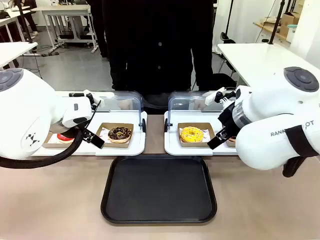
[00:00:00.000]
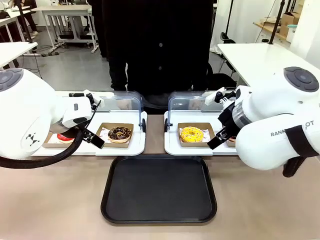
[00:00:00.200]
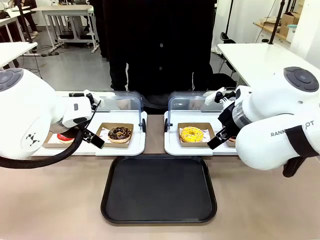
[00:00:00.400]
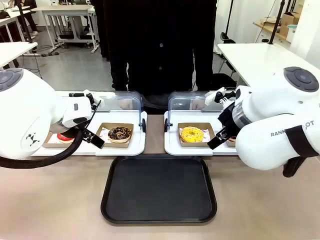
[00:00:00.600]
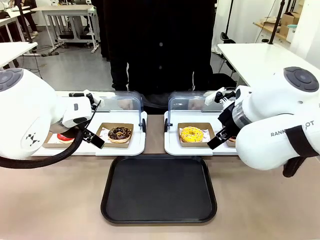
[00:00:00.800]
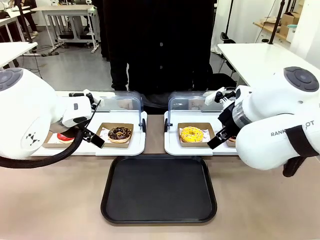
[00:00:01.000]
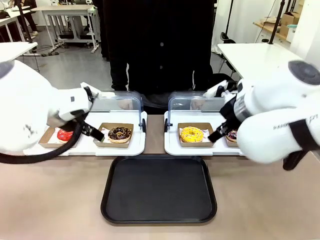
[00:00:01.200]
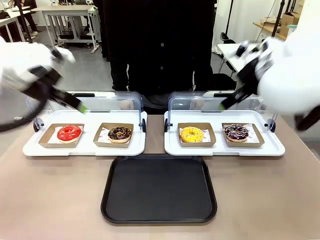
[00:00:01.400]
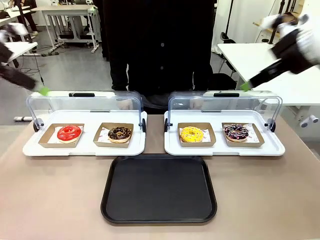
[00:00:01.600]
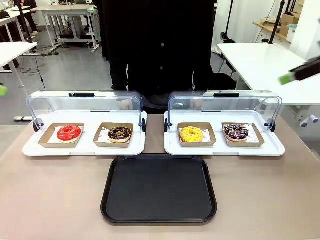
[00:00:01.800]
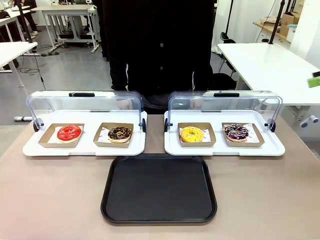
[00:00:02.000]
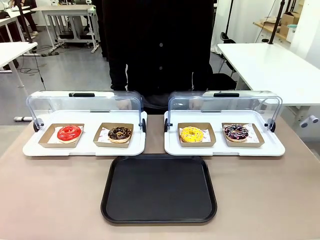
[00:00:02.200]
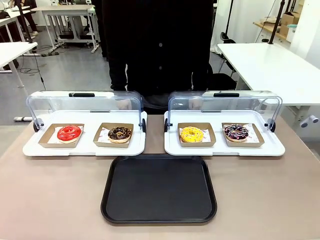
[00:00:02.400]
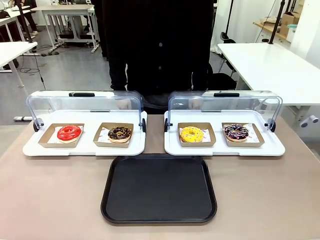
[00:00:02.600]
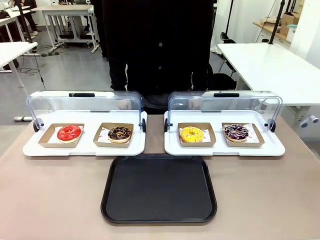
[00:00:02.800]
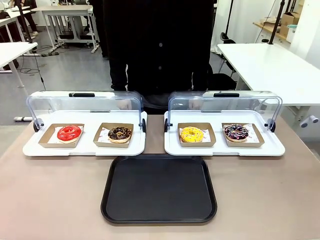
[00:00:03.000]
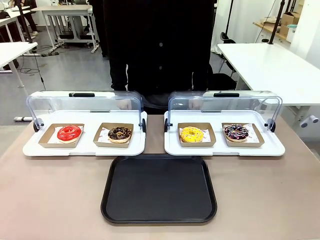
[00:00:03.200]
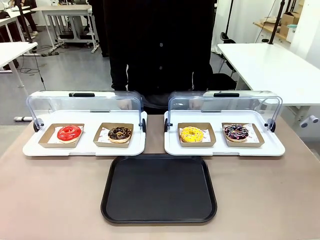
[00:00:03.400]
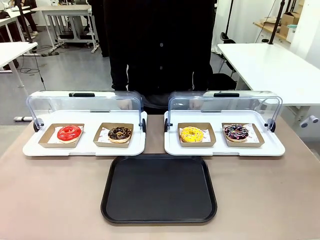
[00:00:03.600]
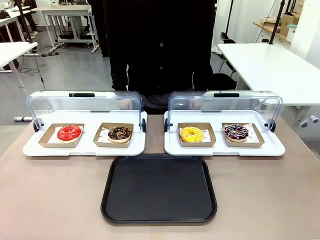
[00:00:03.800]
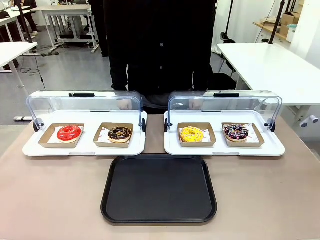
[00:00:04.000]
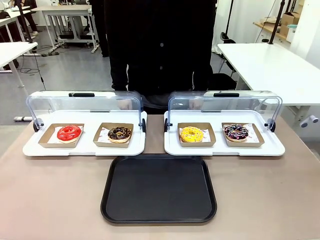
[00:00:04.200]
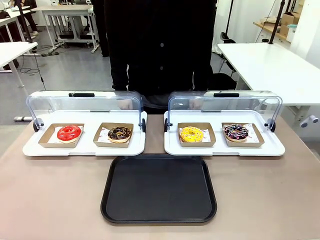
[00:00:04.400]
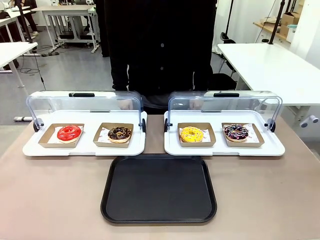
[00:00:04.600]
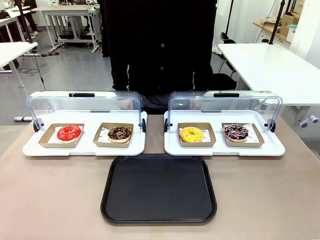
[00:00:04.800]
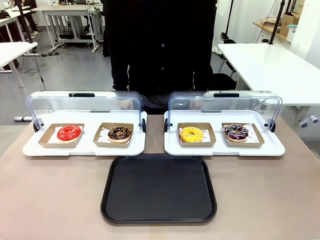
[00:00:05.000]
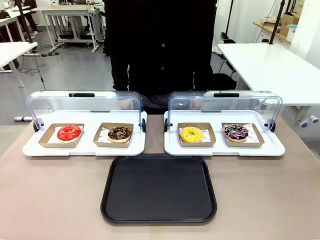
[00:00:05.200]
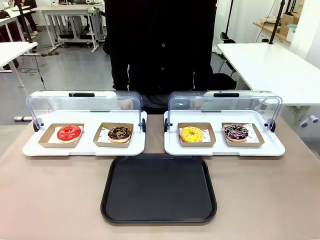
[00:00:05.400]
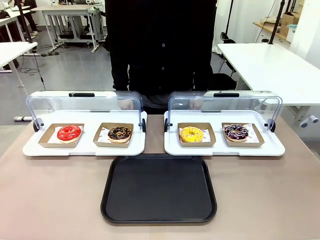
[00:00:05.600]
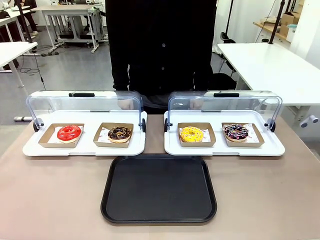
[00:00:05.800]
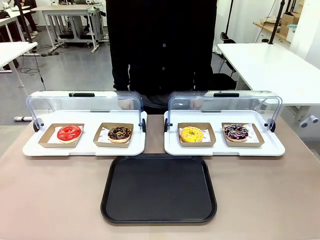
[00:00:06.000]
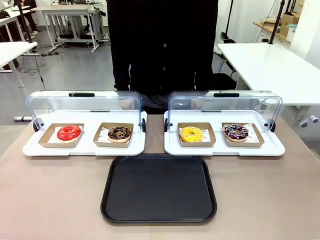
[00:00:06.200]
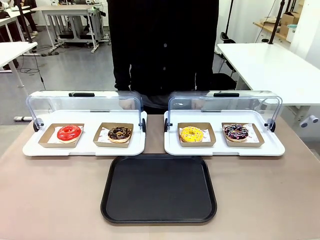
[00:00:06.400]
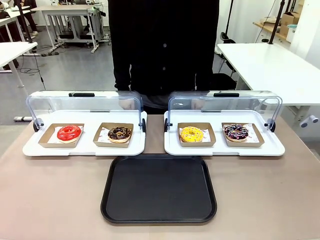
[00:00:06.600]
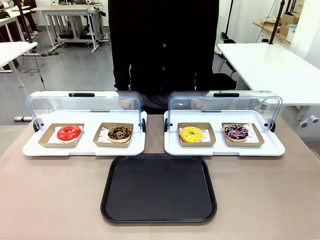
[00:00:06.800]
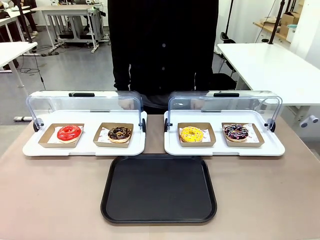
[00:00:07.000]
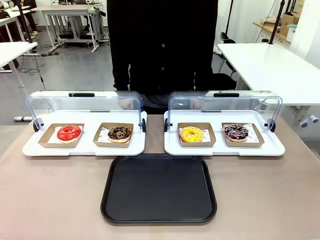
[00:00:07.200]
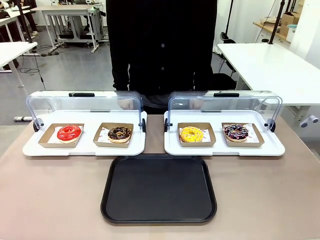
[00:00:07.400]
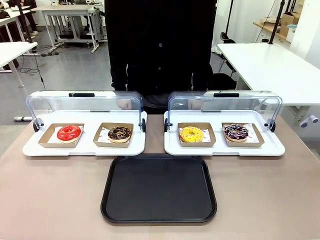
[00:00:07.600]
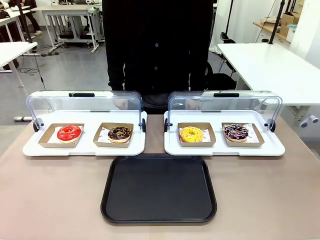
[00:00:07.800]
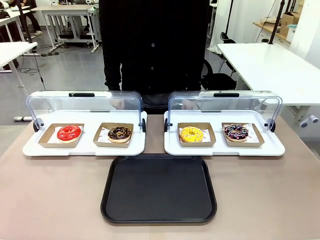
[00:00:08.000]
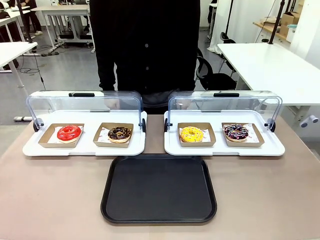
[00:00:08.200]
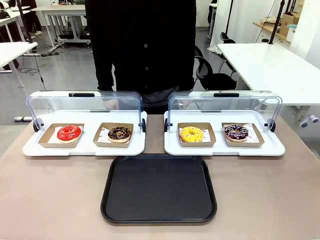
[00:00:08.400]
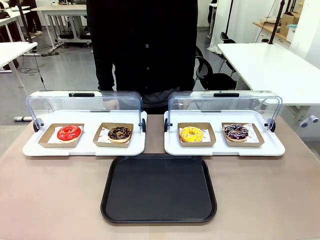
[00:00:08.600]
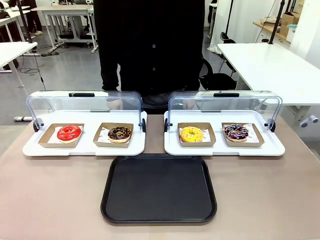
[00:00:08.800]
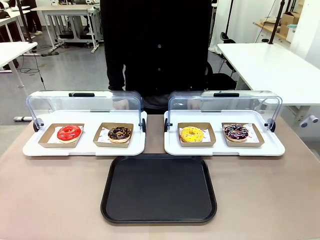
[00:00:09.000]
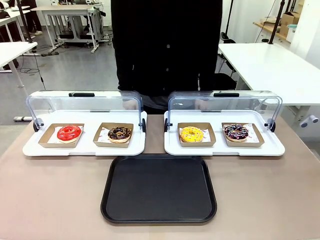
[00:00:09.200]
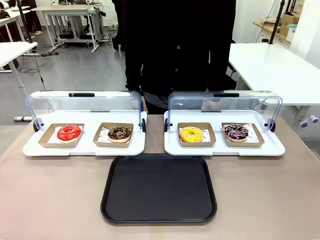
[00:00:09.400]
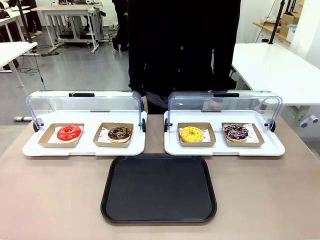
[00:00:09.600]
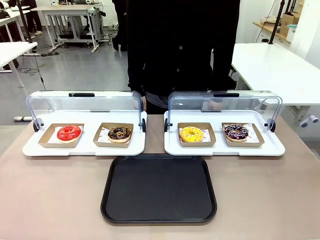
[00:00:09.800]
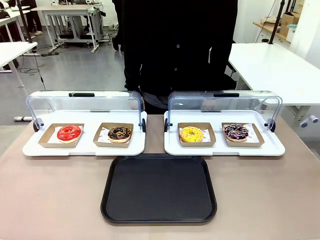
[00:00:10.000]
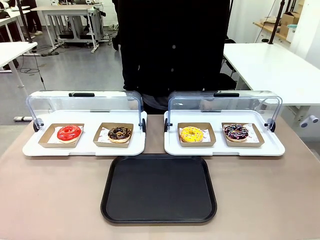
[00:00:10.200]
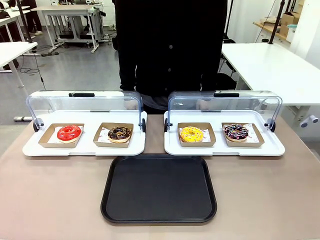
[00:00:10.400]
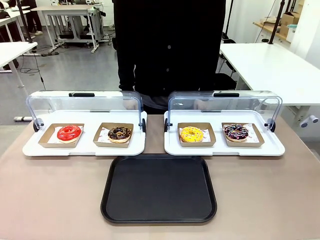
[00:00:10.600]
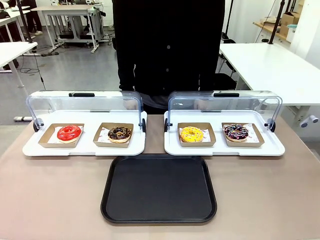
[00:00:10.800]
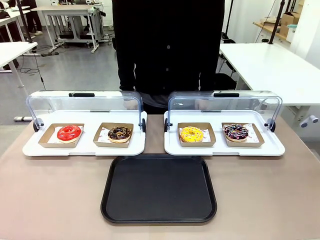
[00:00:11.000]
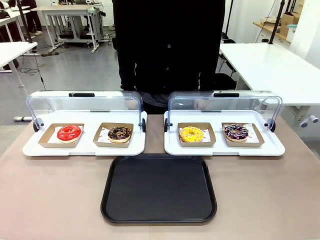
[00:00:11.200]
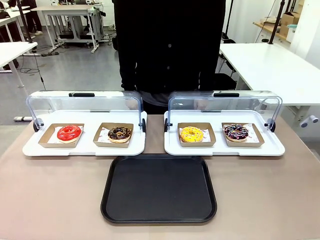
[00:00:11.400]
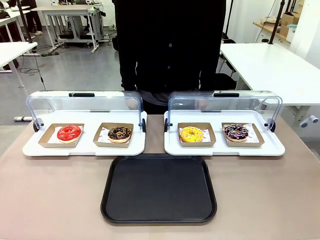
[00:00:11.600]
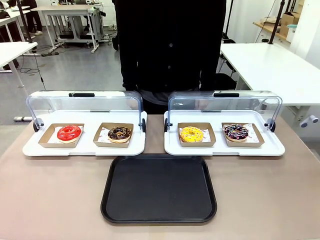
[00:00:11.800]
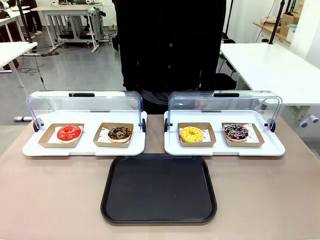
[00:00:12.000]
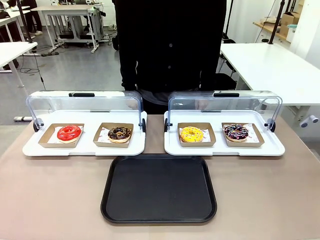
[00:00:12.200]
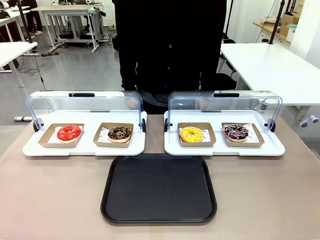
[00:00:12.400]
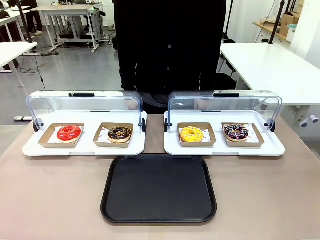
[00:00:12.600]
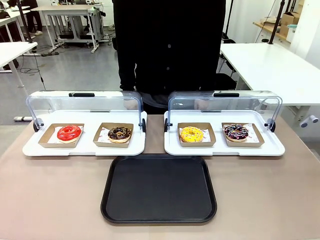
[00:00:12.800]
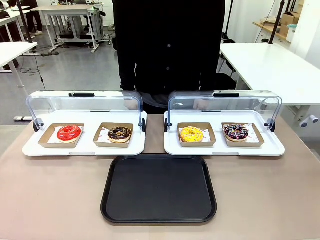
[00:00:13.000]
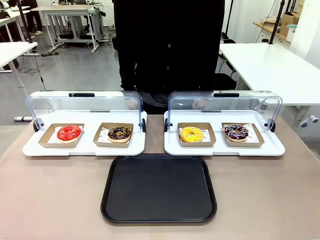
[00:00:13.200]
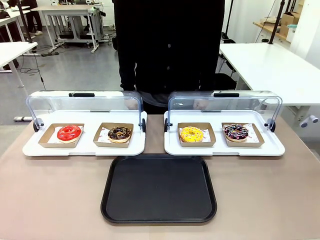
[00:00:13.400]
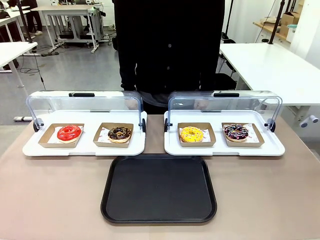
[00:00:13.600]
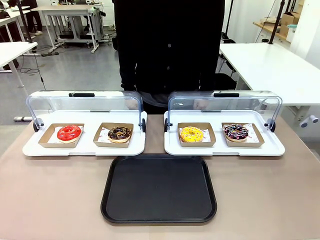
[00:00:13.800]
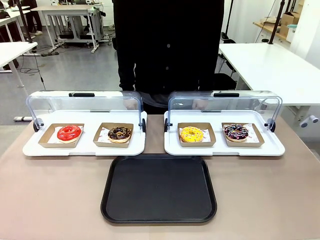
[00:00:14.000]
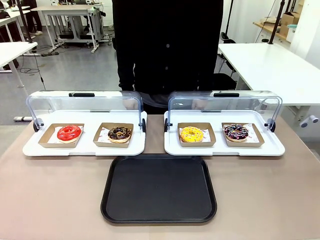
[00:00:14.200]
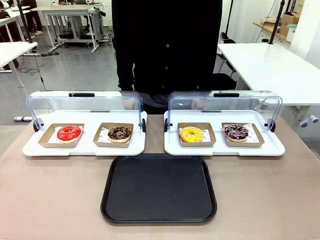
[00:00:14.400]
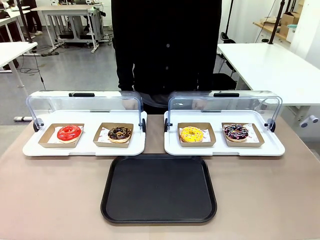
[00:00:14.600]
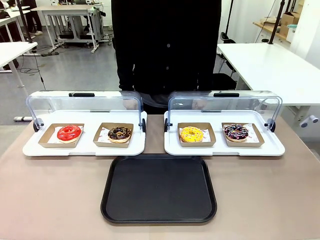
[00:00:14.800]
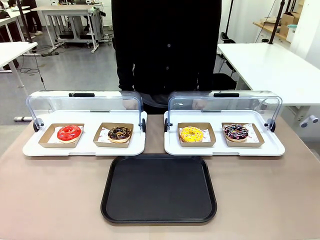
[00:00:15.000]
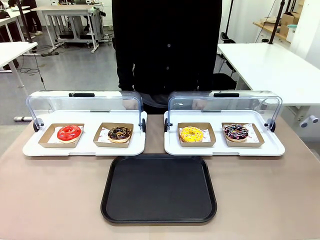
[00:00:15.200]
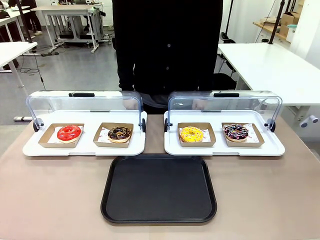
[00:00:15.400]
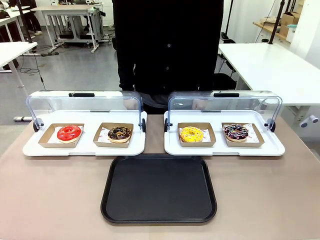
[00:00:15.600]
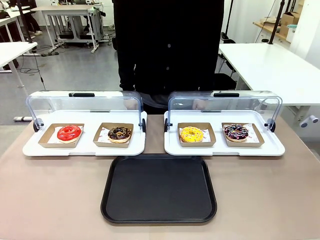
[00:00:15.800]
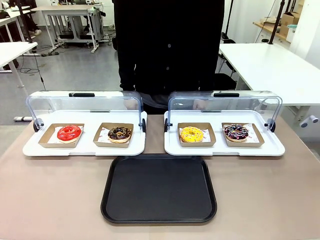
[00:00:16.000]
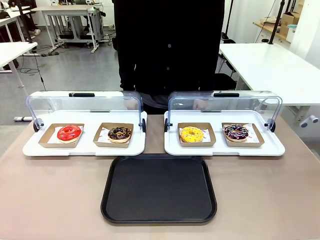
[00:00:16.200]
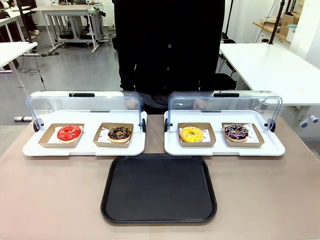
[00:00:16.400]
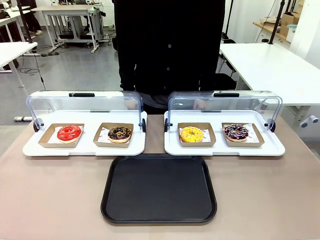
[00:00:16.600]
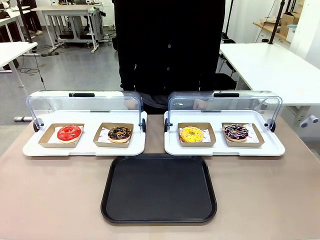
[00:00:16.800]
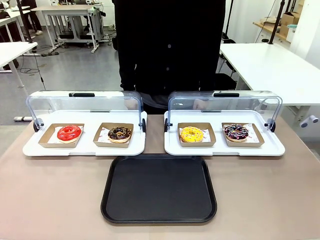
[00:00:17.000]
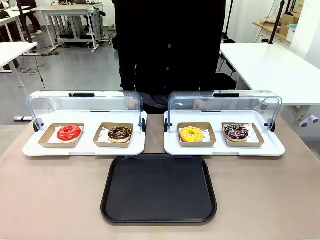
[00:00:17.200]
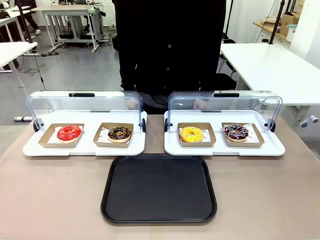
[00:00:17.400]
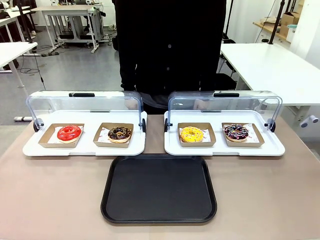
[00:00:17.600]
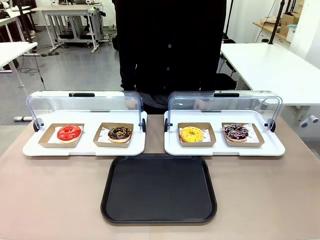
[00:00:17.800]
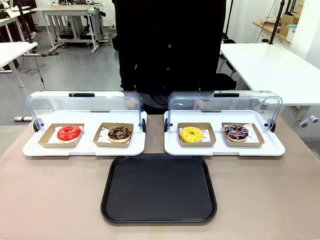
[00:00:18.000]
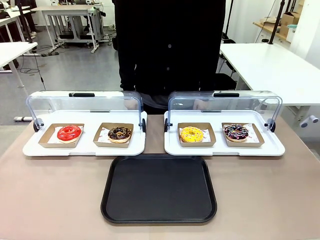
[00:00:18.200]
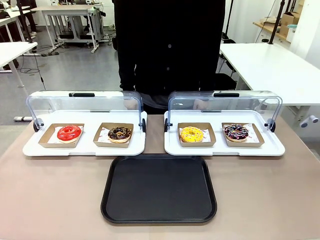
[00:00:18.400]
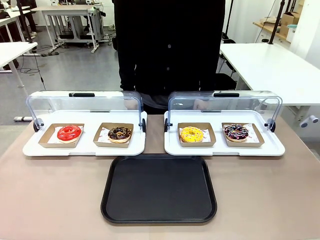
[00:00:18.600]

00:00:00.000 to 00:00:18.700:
Task: Move the fourth donut from the left to the tray.
Robot: Pick up the Paper togo box containing the Donut indicated by the person and place it on the Handle tray.
